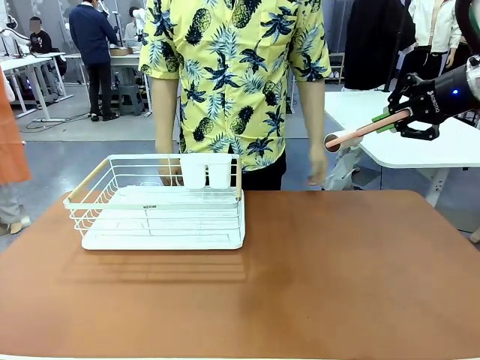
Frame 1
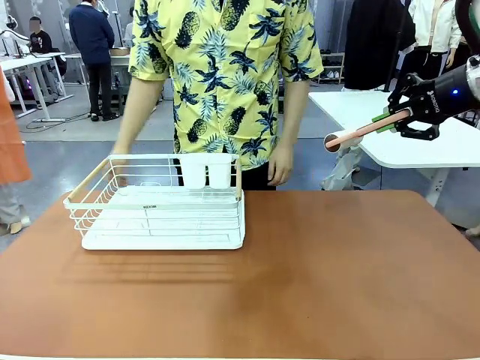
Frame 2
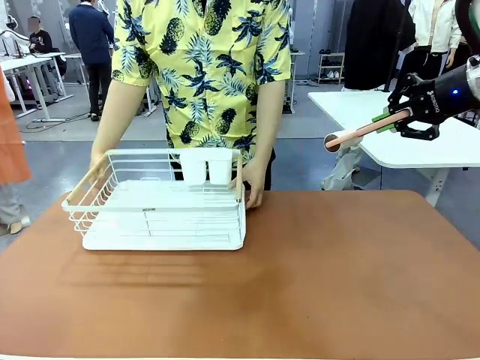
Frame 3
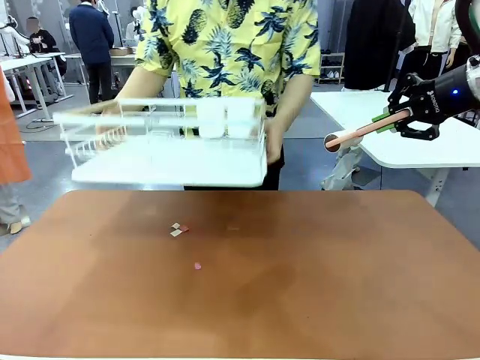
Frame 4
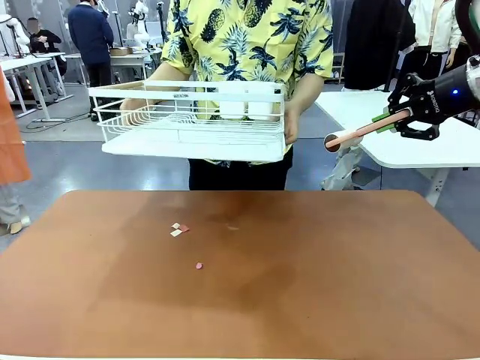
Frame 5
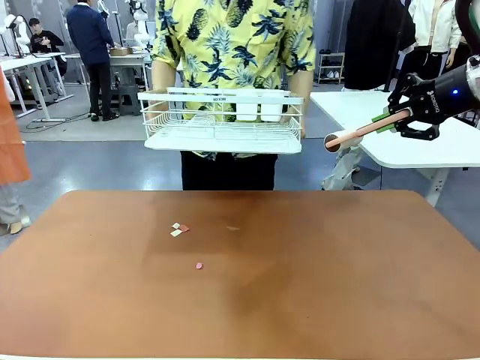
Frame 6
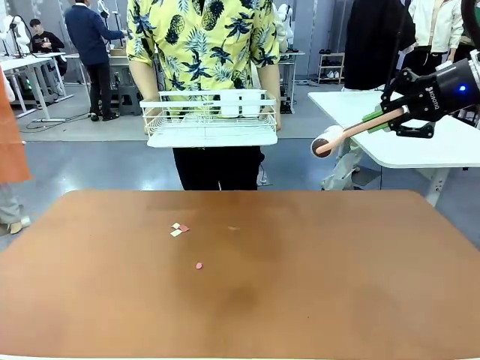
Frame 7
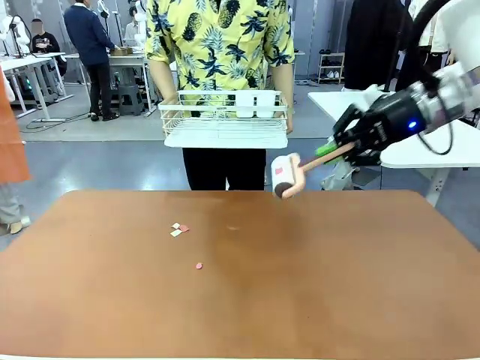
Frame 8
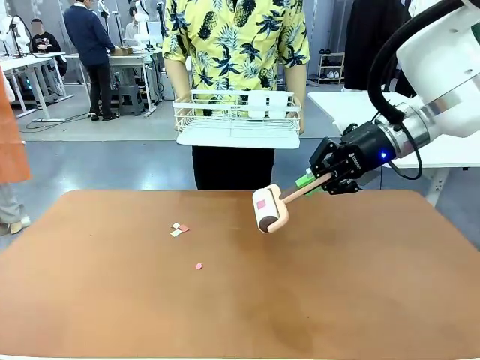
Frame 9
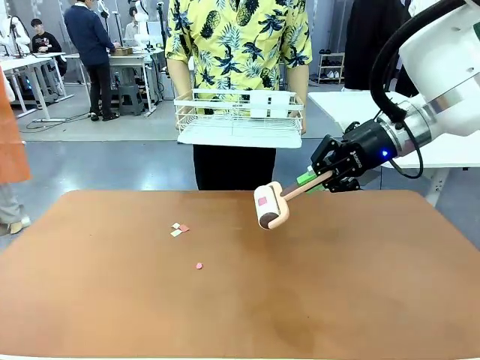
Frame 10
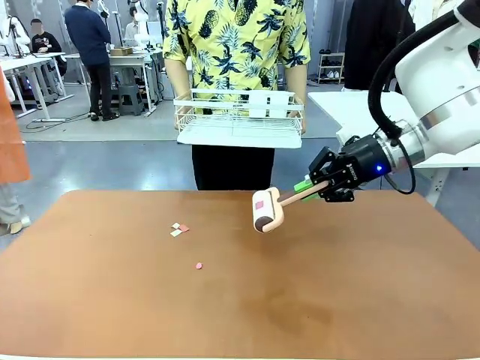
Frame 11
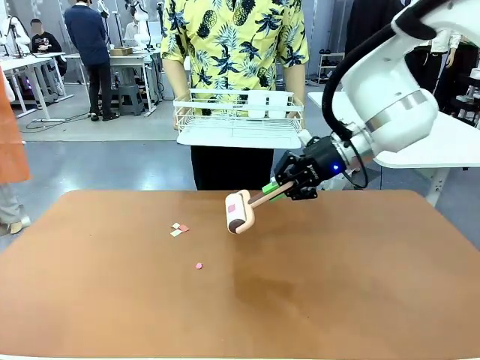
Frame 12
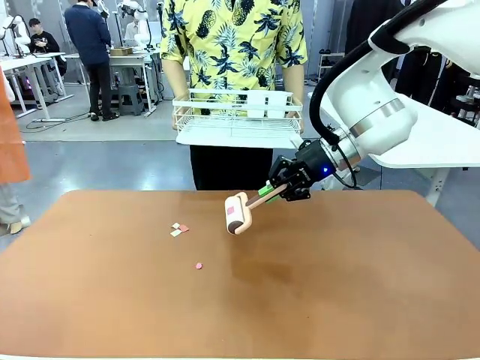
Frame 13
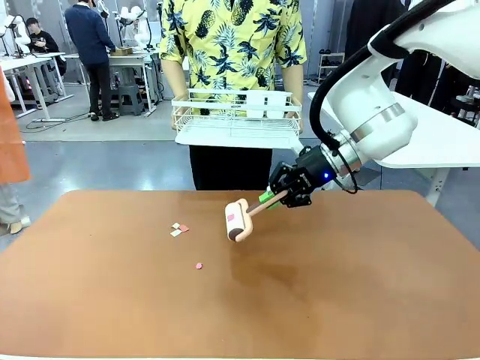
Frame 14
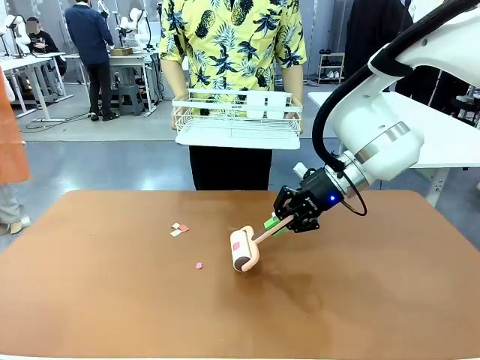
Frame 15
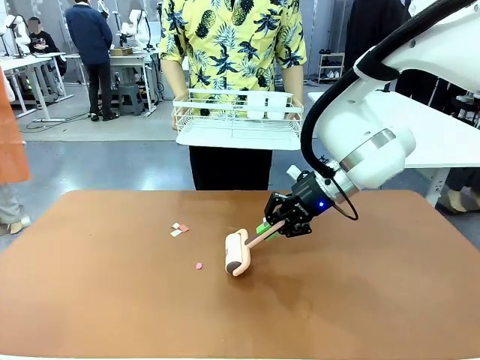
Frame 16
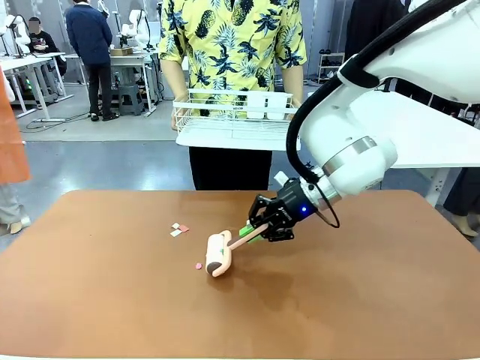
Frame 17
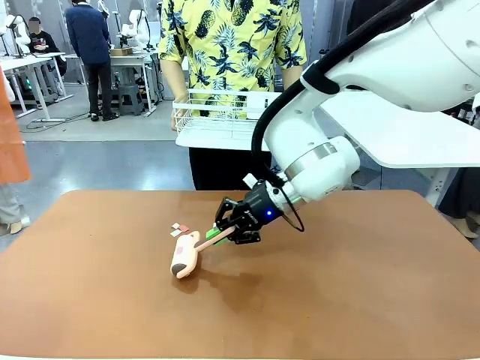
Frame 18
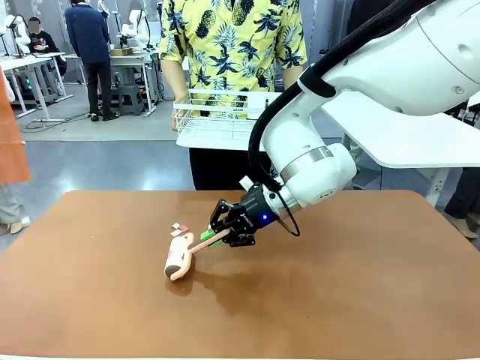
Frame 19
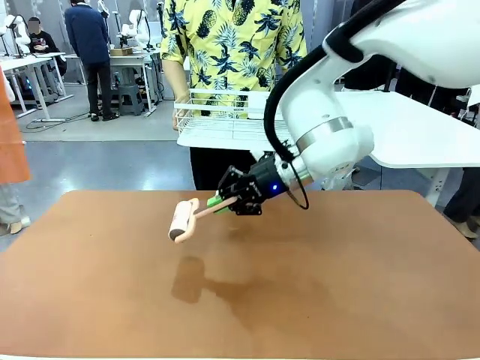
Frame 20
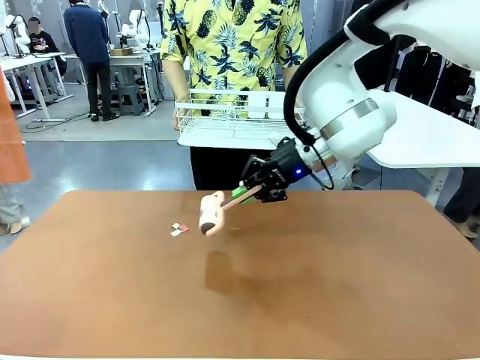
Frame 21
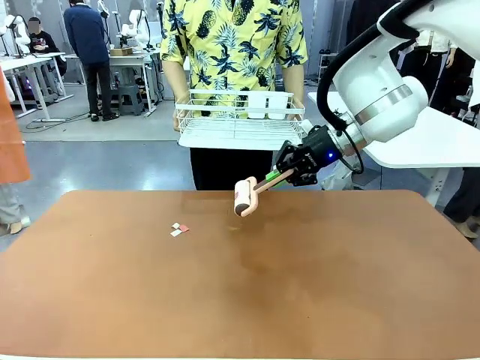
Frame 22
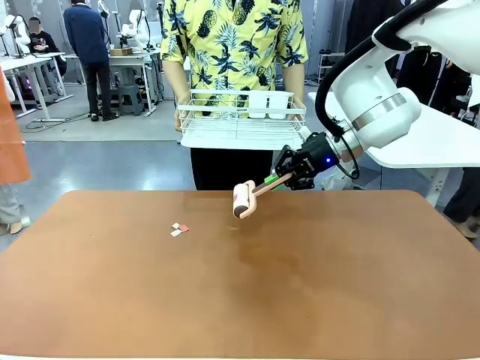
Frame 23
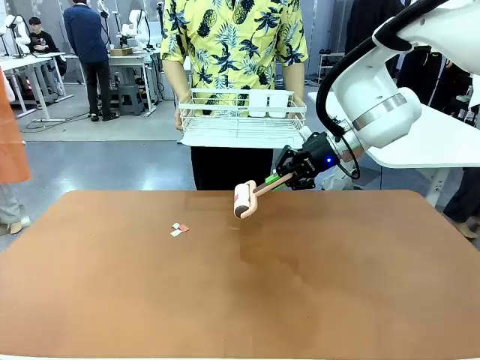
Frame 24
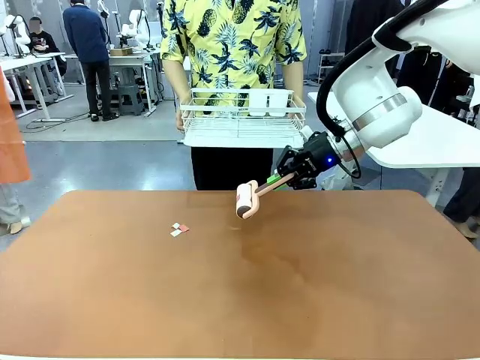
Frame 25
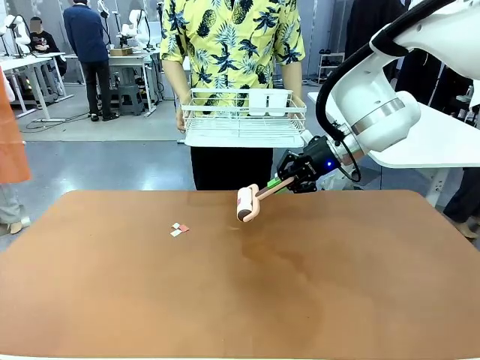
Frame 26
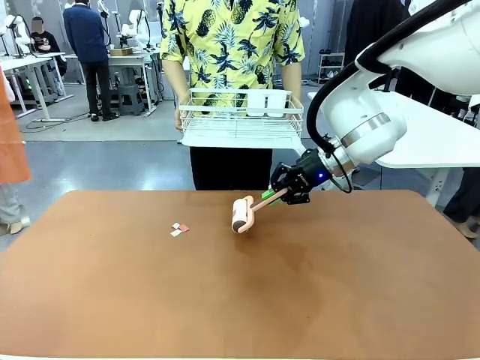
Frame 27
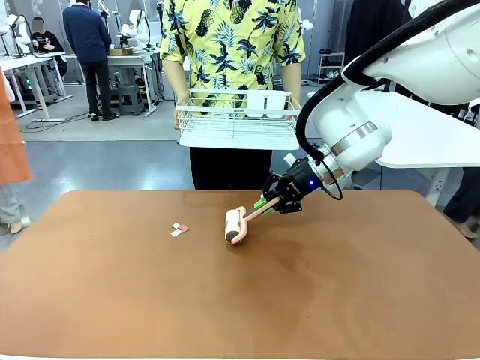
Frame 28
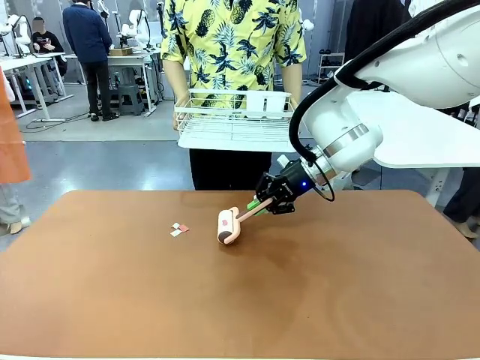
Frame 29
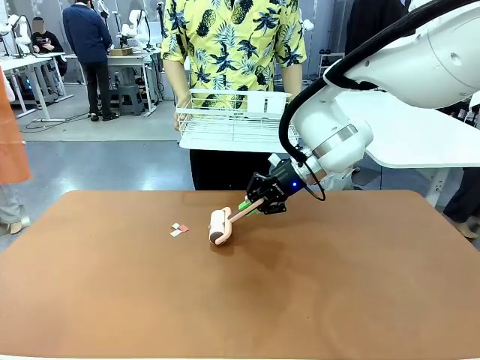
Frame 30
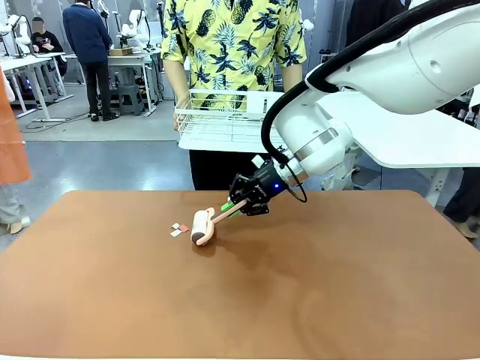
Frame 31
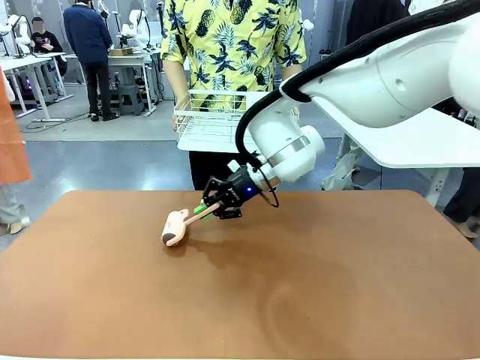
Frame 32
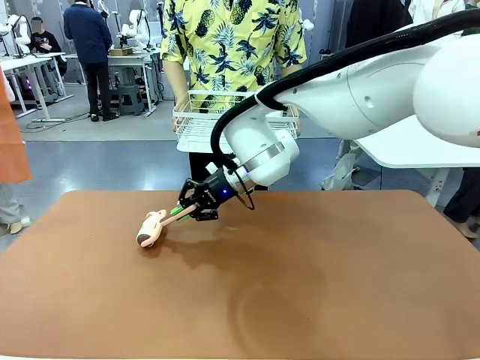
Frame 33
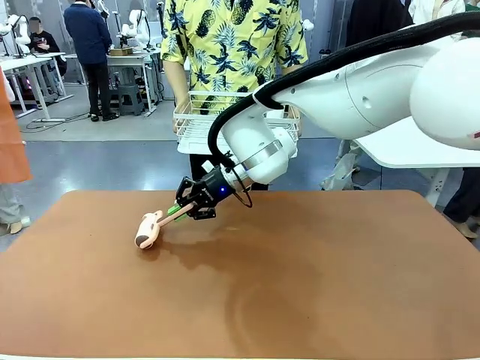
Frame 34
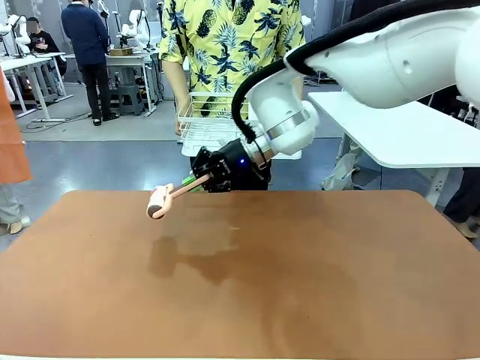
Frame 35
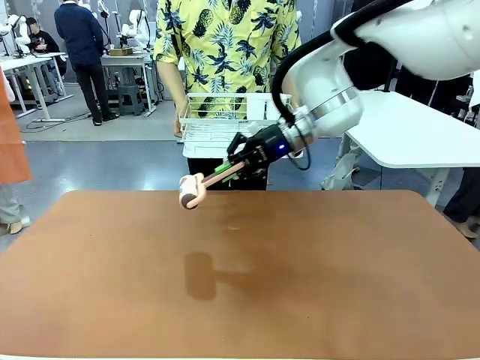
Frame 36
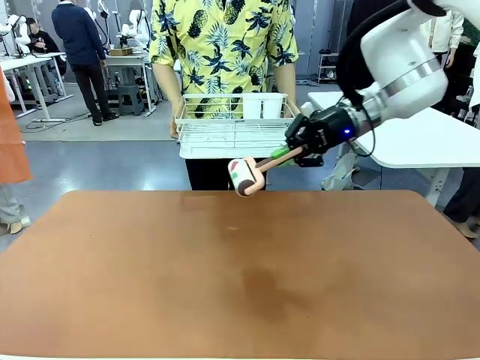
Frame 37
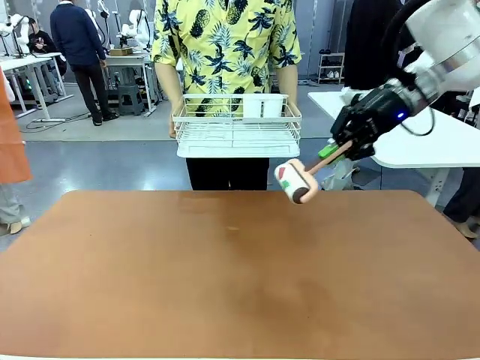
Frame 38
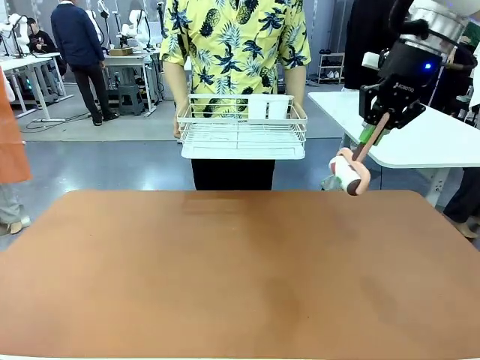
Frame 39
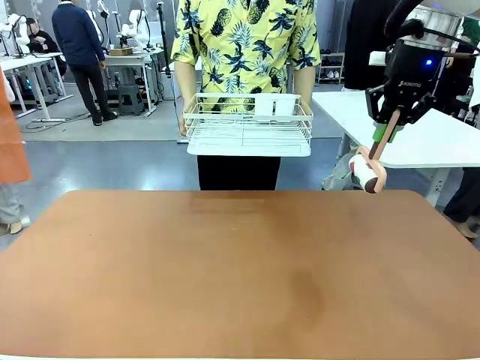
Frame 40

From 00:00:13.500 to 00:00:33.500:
Task: Clean the table.
Robot: Clean the table with the Lint Roller when the human lifts the Dish drying rack.
Person: Place the Dish drying rack down when the robot finishes cleaning.

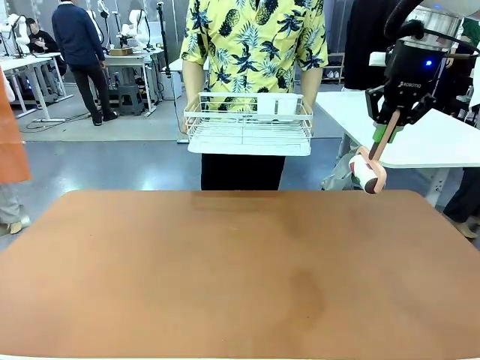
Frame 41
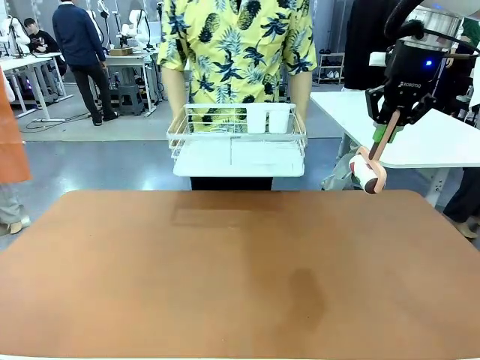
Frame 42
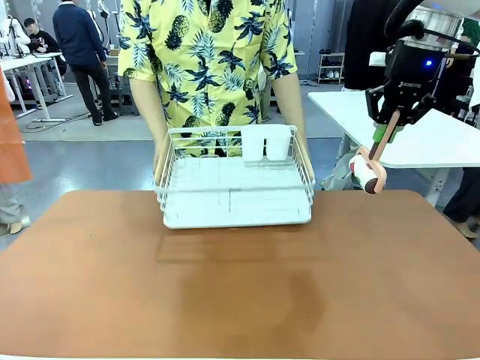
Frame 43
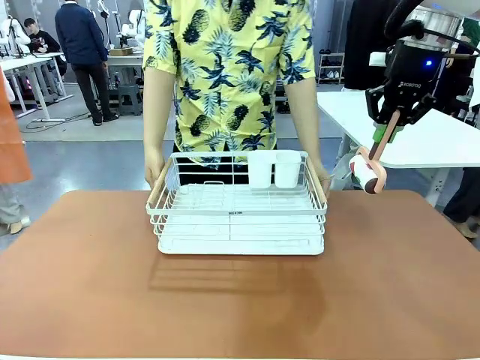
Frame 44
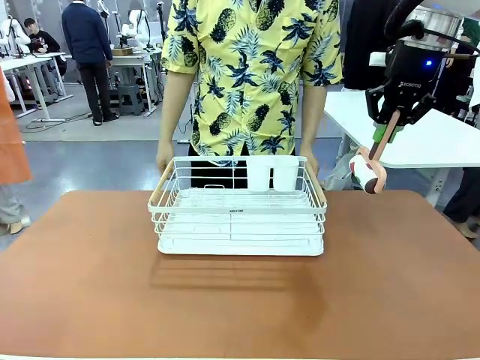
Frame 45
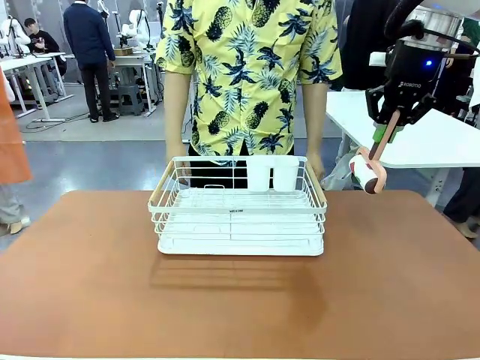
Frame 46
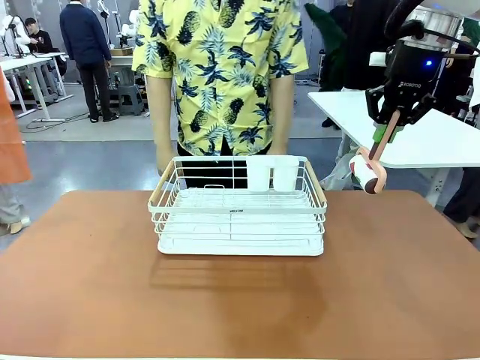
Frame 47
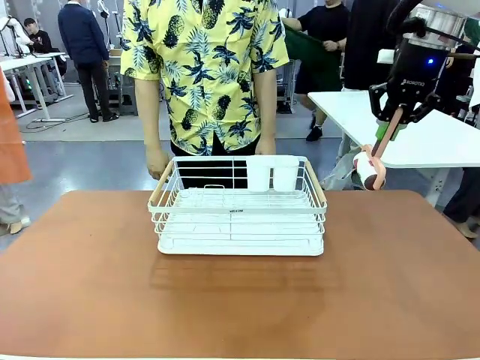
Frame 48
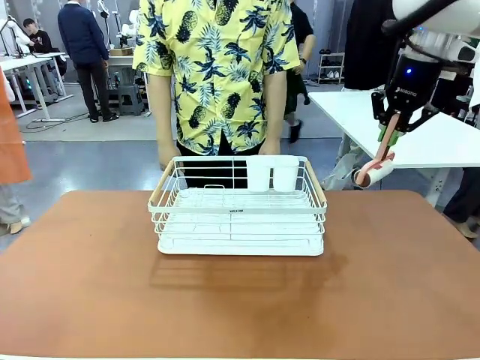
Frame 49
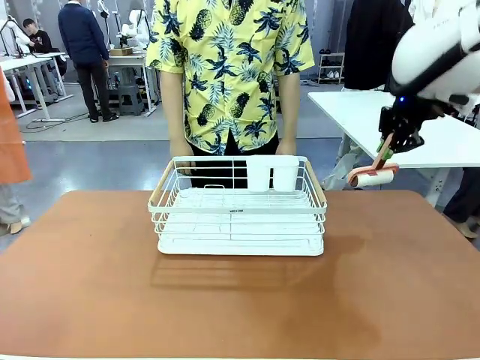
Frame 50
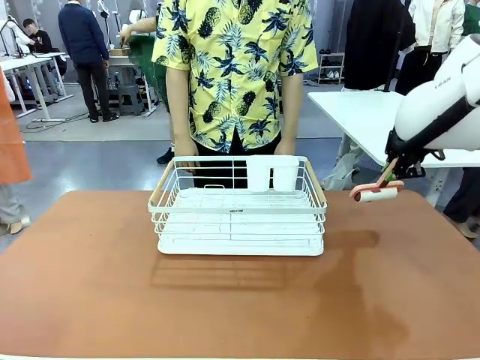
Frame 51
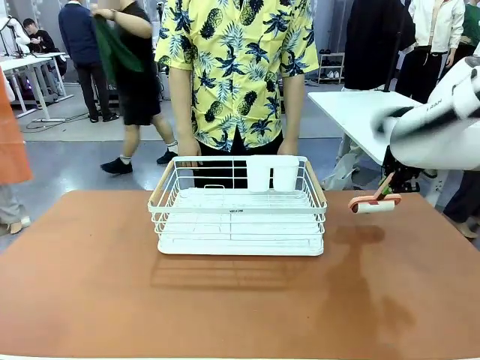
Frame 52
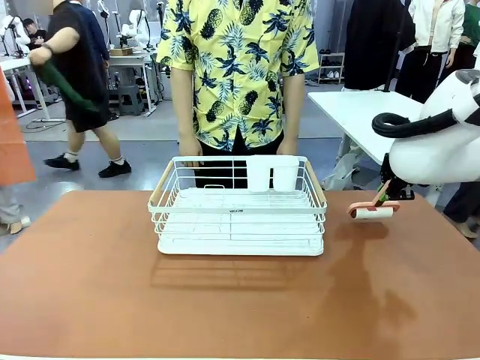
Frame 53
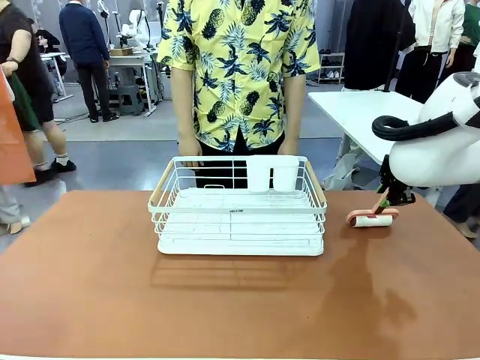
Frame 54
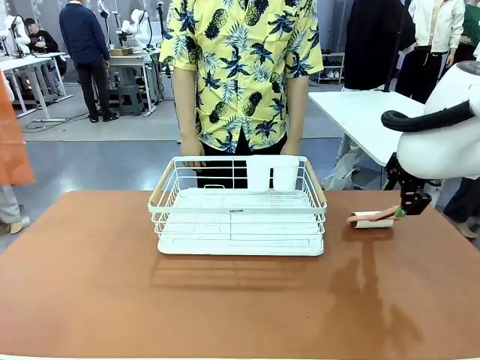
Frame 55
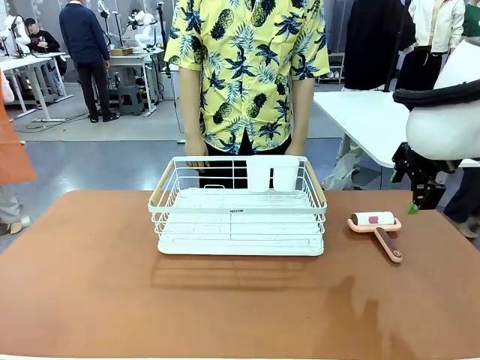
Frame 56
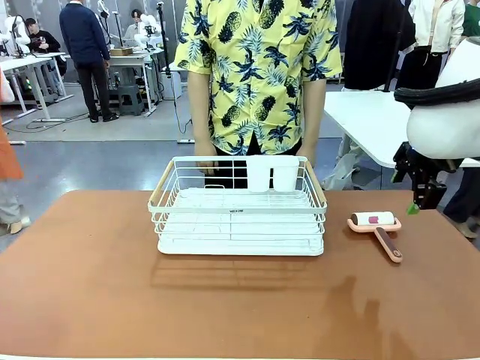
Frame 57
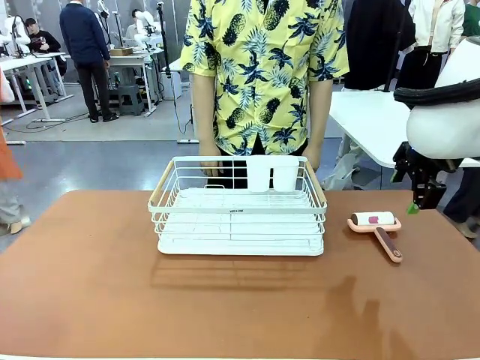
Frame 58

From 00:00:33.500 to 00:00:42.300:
Robot: Place the Lint Roller down when the Dish drying rack is positioned in the middle of the table.
